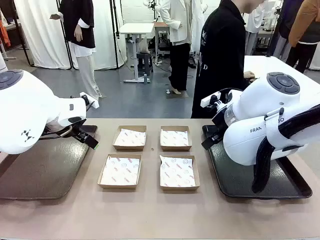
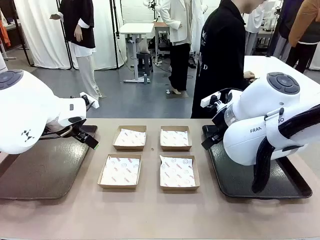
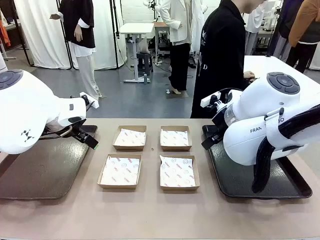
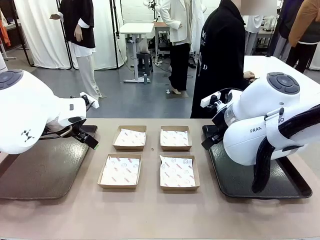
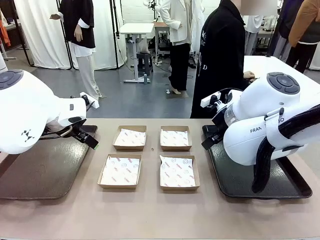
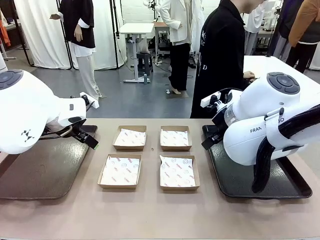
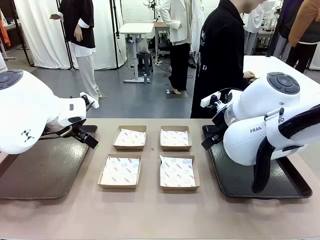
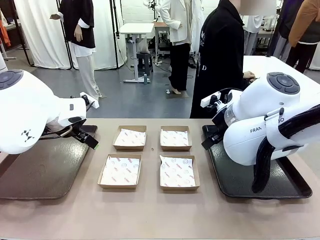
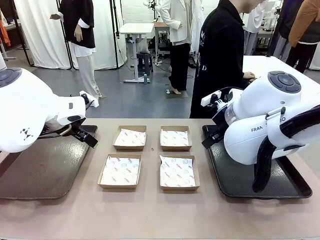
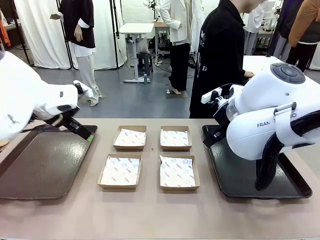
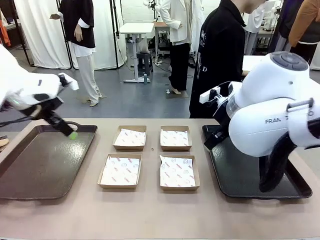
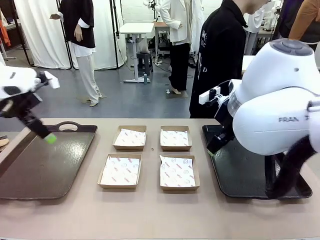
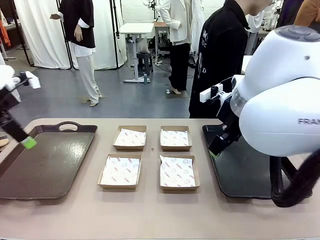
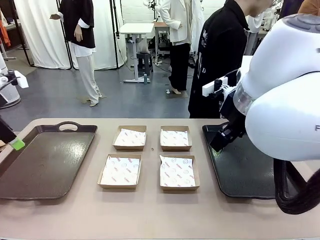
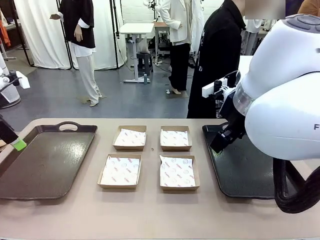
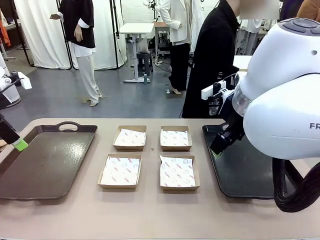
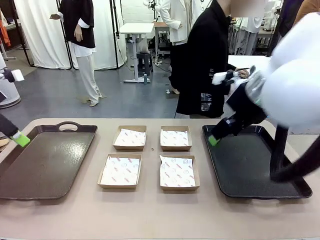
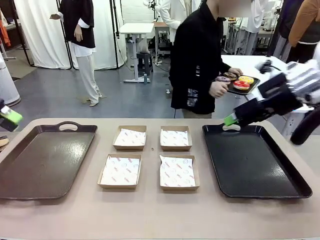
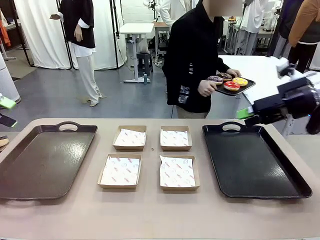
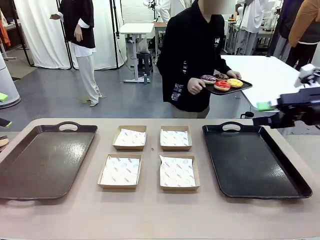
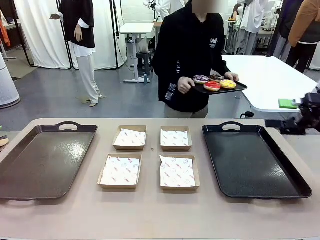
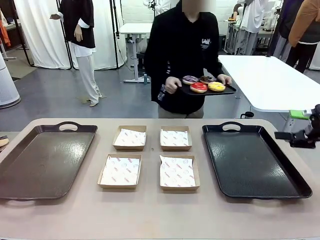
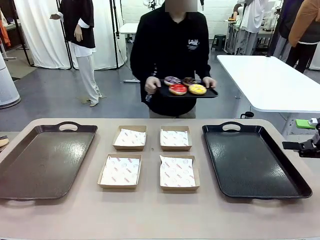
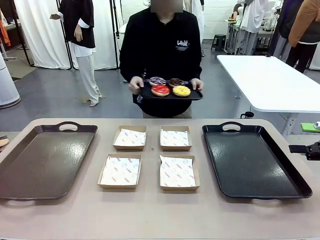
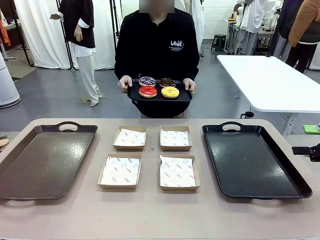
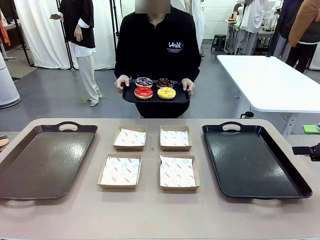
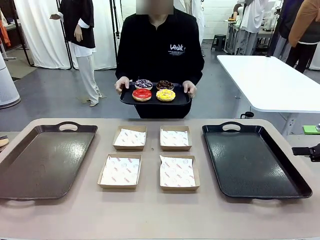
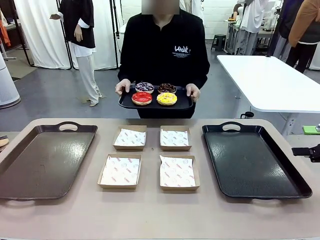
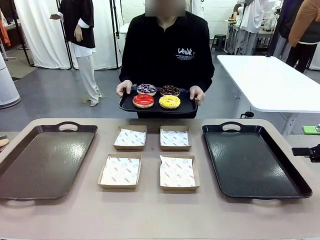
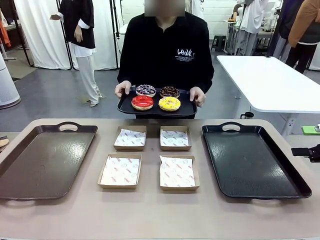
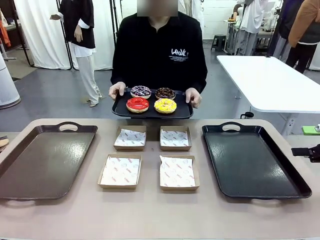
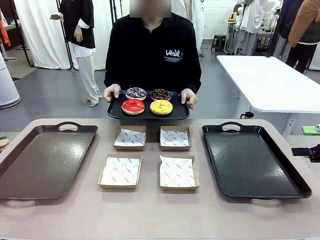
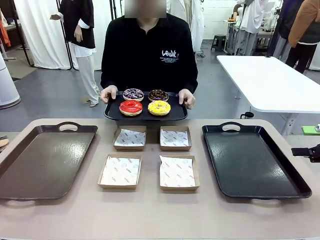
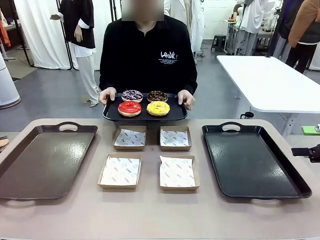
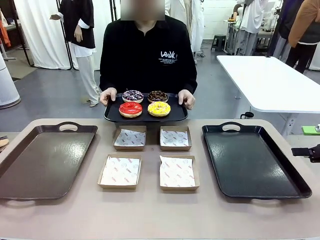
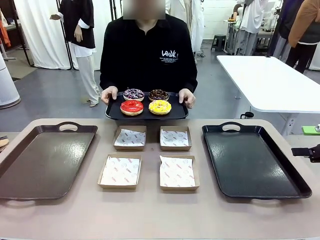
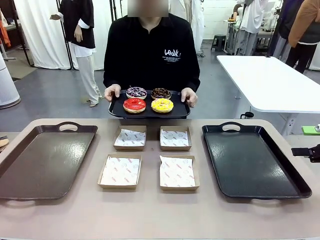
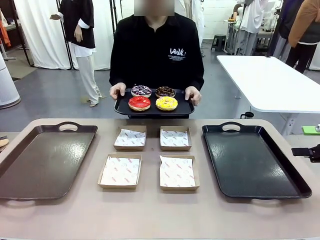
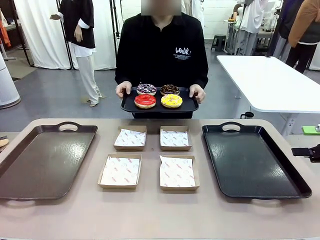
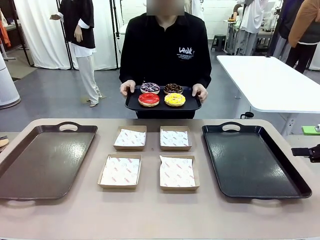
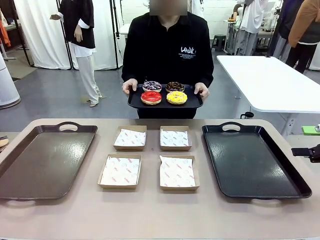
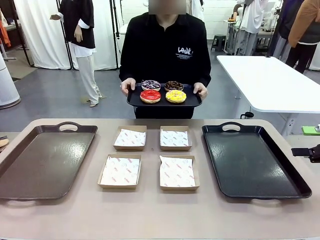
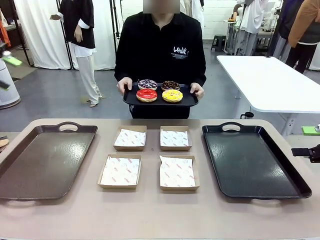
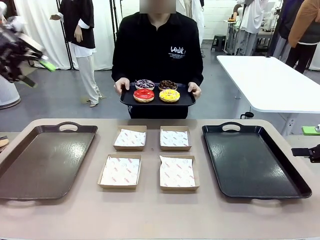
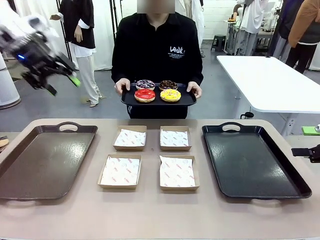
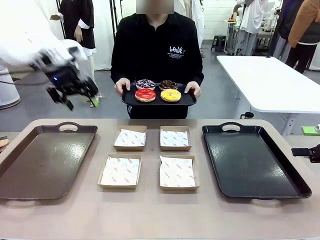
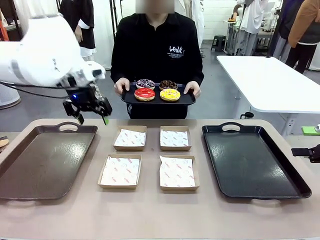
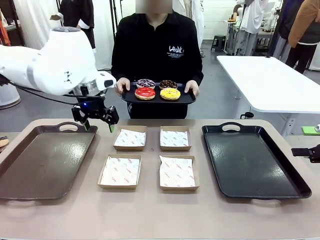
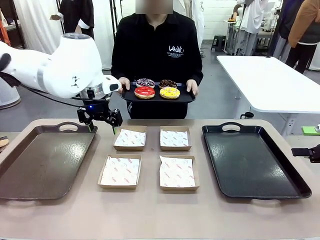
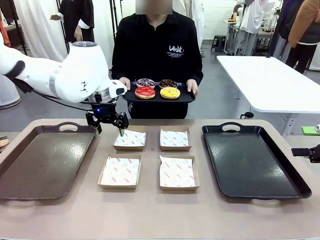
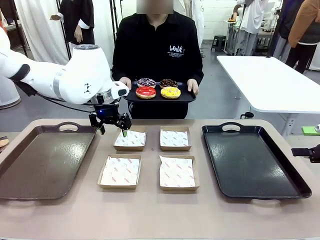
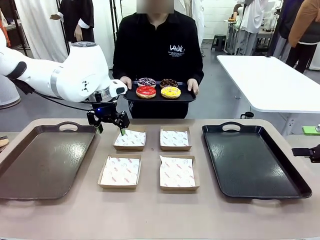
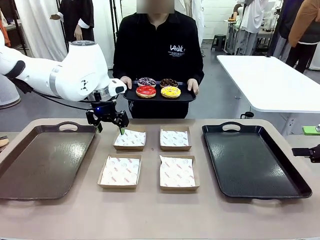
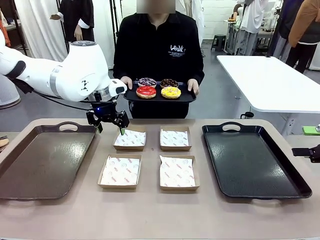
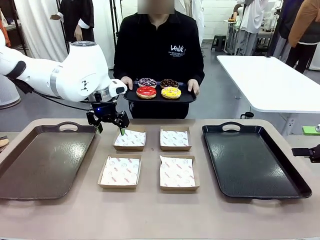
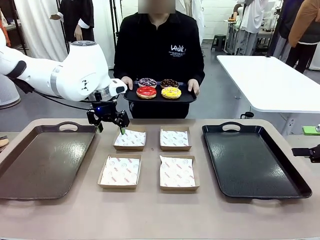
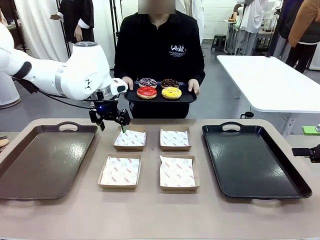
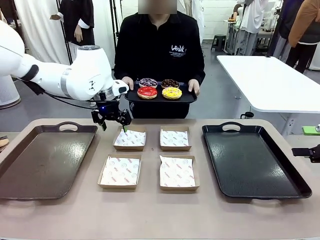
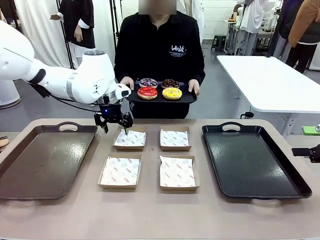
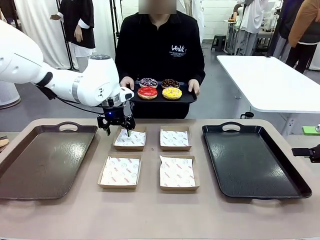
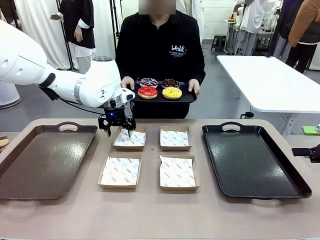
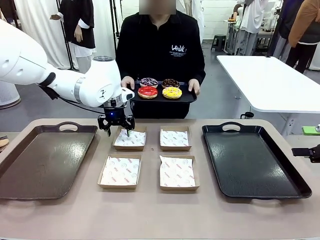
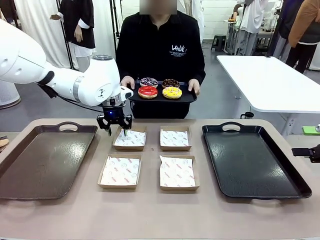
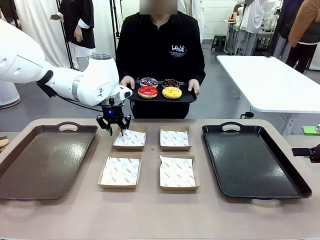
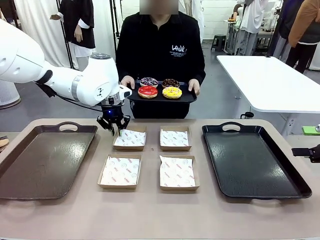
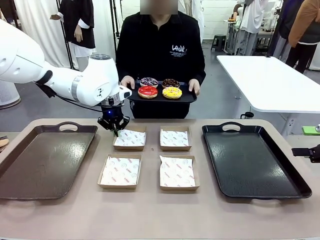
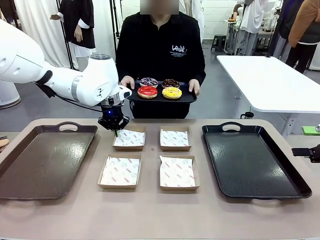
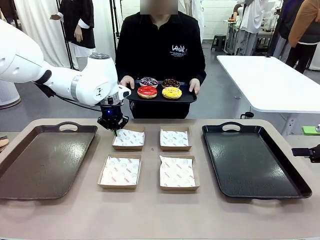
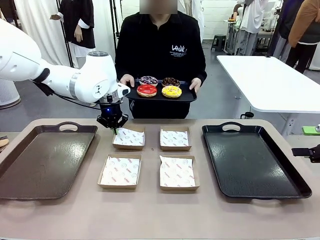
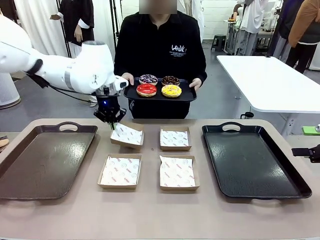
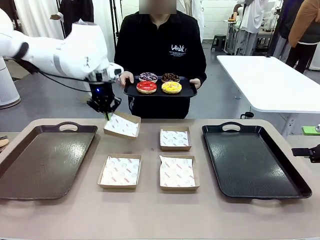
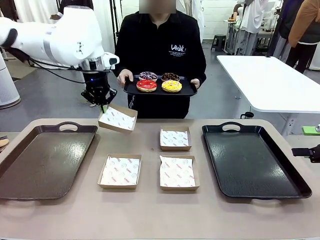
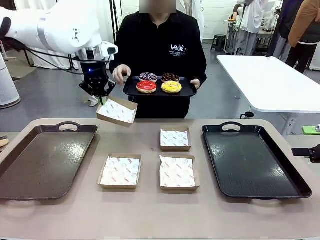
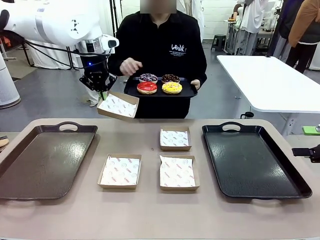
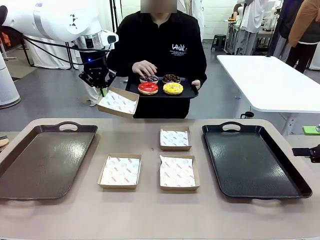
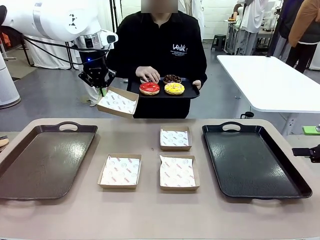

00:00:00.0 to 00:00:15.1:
Task: Individually package the donuts and arrange them on the tray.
Robot: Pick up one Paper togo box.
Person: Stand in front of the robot table holding the tray containing the donuts.
